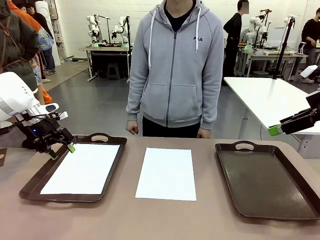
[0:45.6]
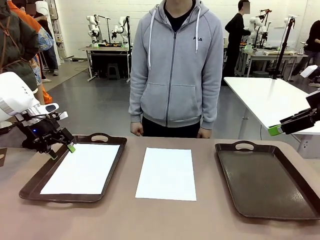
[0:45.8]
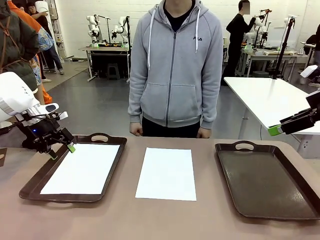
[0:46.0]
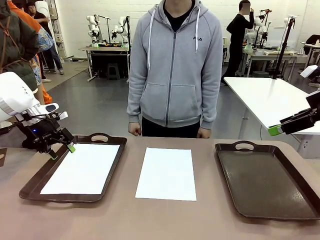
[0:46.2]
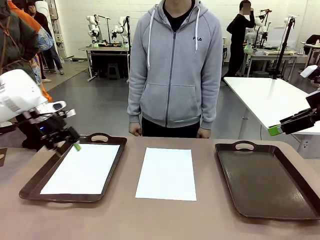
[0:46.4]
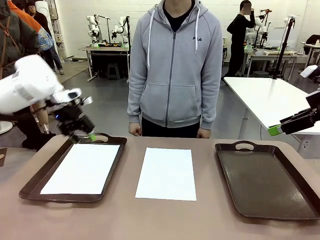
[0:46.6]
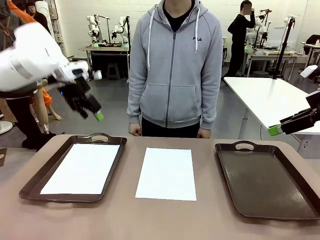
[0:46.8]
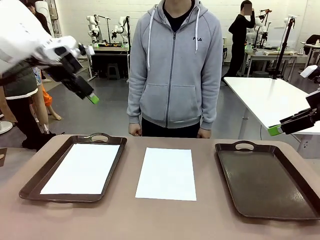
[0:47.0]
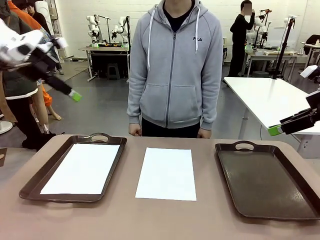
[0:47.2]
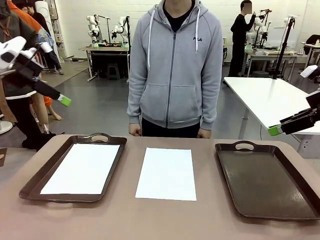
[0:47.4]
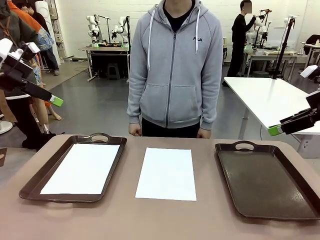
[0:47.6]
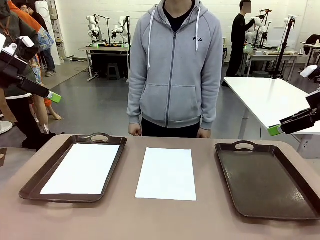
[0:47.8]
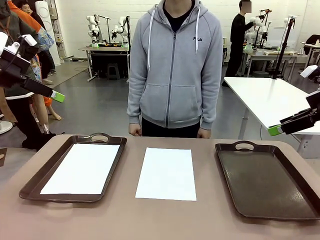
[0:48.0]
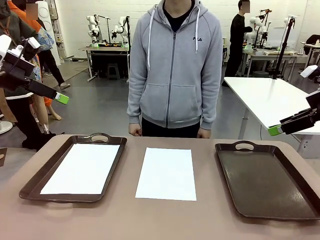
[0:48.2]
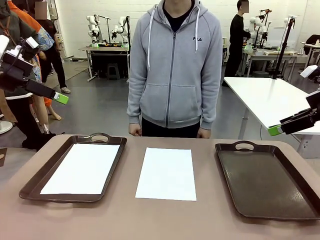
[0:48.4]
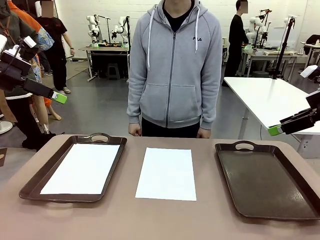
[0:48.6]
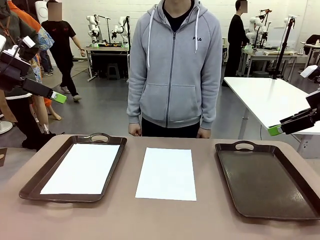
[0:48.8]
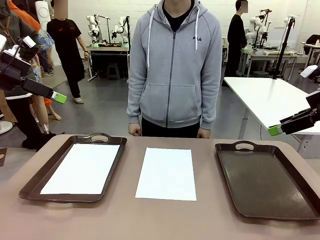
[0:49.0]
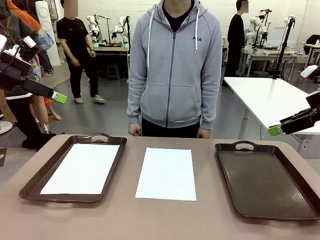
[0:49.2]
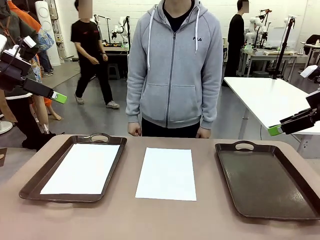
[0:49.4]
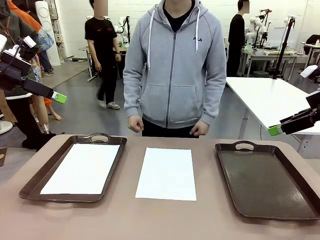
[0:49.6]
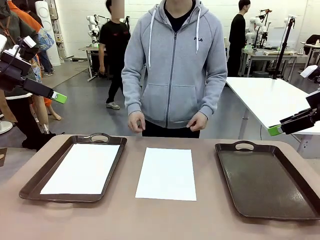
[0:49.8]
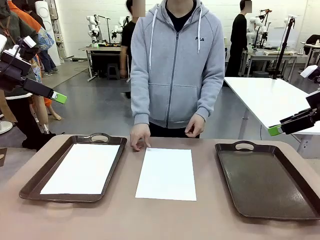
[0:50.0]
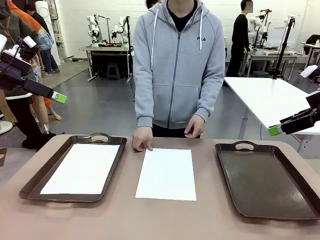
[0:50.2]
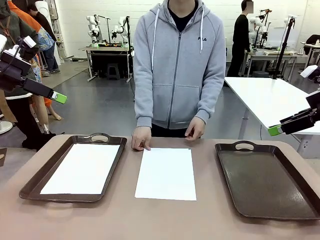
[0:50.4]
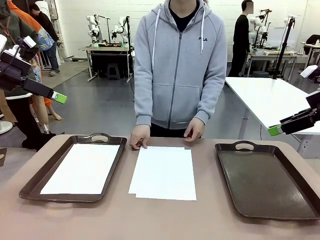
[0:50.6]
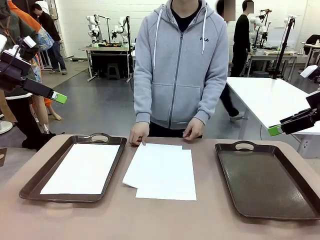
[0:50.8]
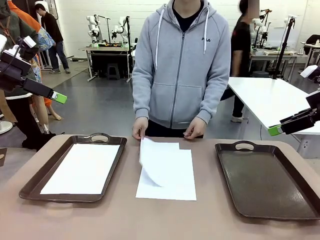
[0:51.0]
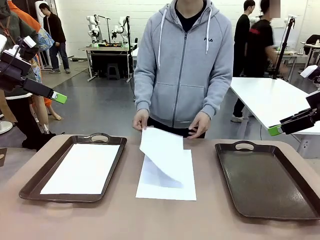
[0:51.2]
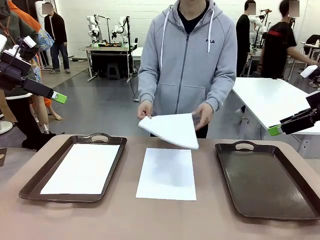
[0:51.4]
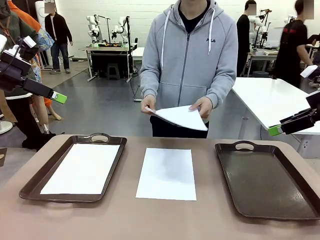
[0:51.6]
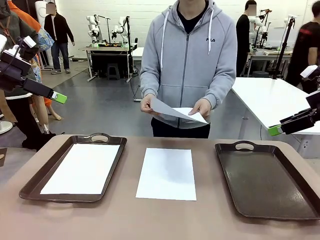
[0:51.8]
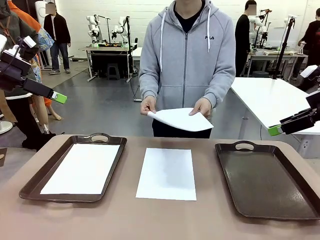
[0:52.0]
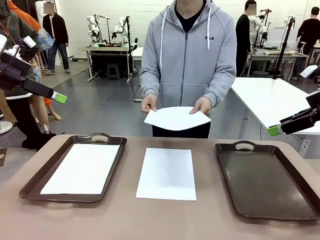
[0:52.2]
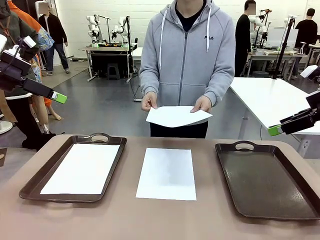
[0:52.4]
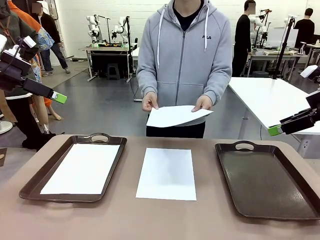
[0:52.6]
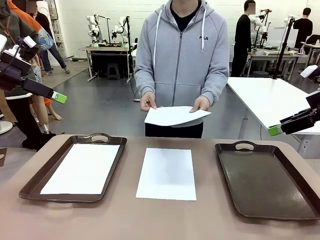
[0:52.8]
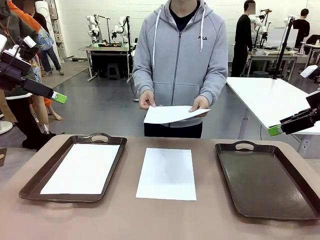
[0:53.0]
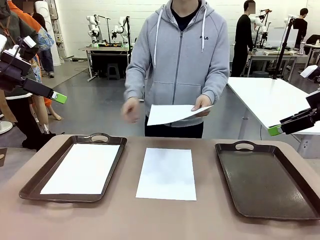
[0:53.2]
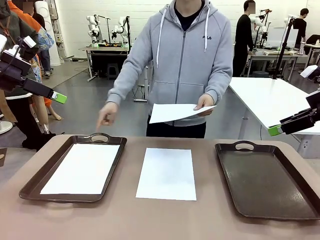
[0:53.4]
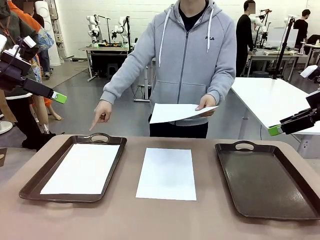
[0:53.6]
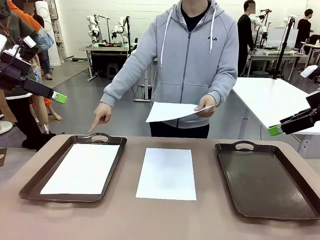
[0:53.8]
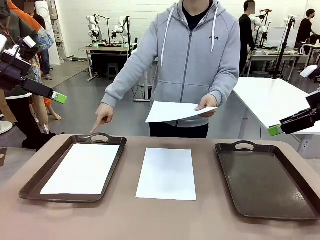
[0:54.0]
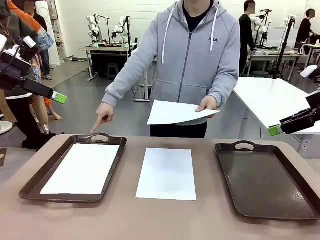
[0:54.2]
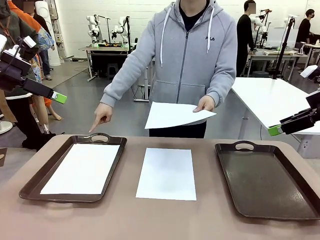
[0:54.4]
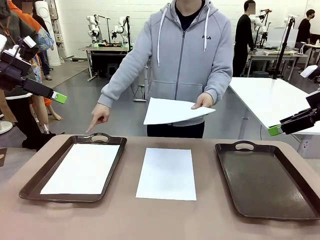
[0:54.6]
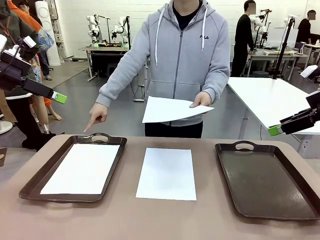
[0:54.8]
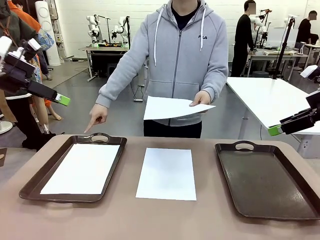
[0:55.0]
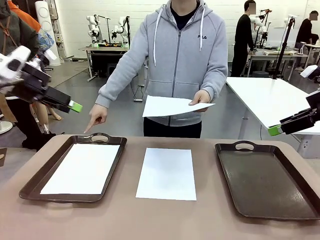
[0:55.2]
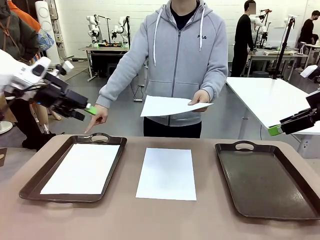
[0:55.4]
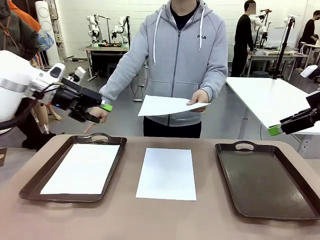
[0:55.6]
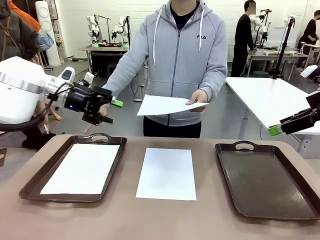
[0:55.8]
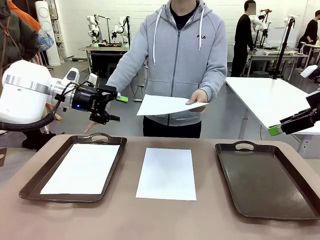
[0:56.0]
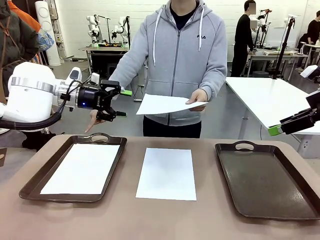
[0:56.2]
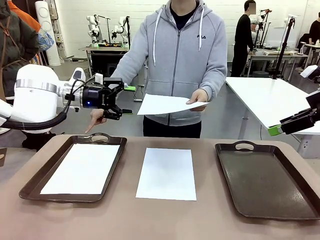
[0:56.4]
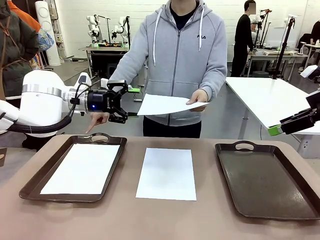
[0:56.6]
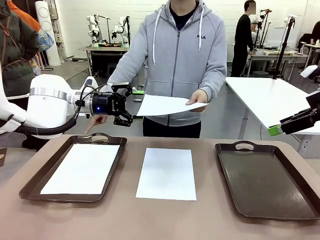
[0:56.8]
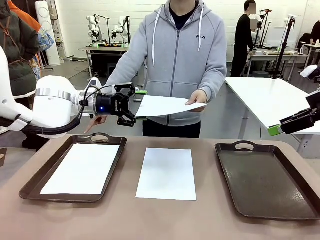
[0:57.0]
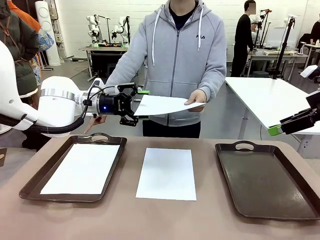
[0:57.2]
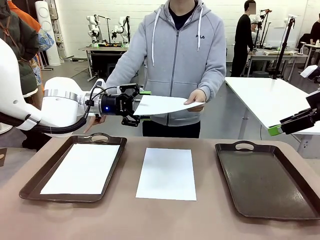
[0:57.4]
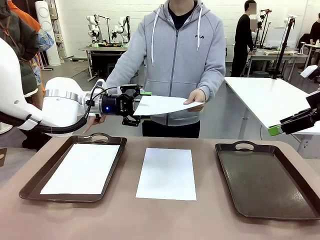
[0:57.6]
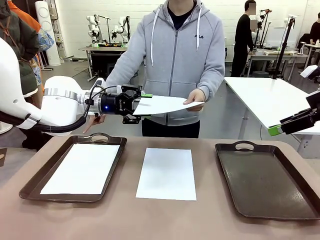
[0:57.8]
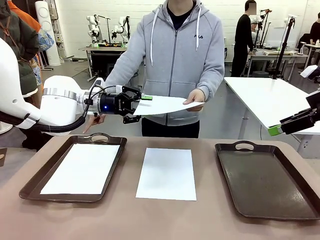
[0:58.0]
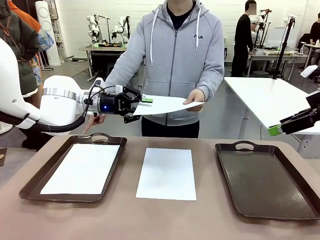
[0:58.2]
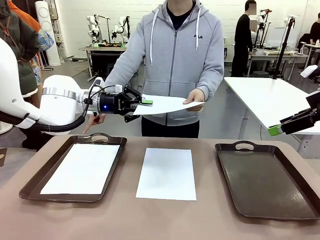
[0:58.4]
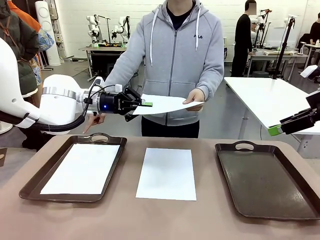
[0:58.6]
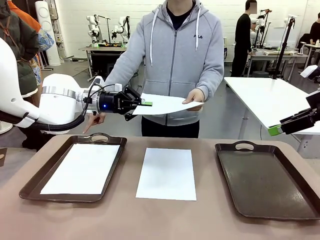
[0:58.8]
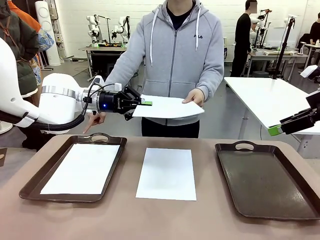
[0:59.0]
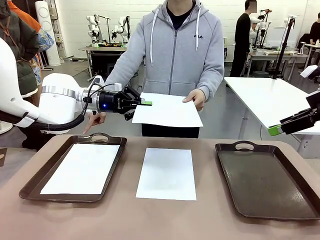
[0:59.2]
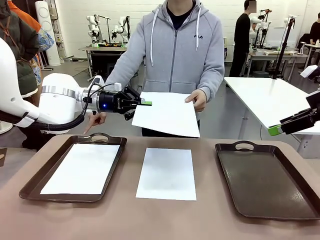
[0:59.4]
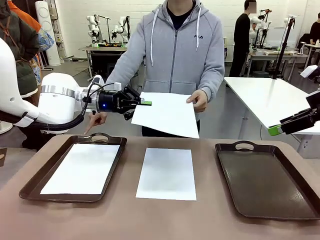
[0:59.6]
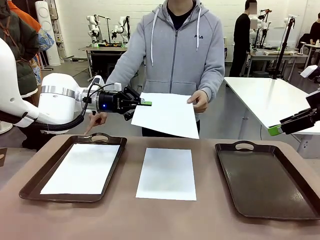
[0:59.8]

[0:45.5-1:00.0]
Task: Sort the A4 documents.
Robot: Receive the A4 Paper.
Person: Point the randomly selected tray with the other hand.

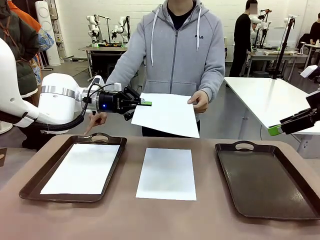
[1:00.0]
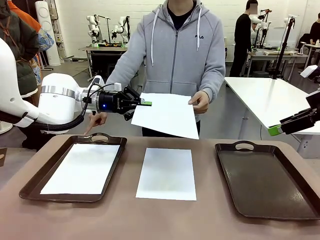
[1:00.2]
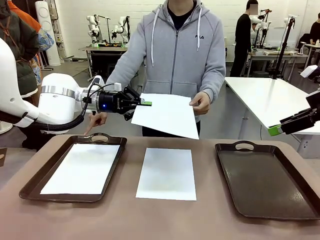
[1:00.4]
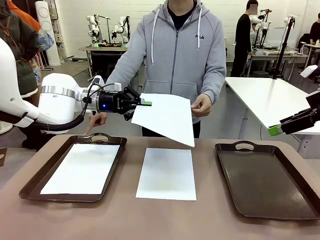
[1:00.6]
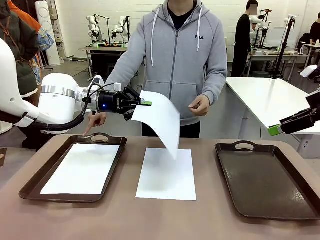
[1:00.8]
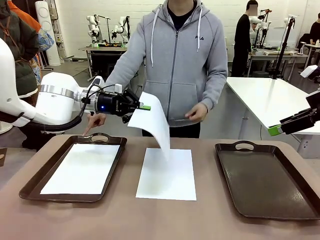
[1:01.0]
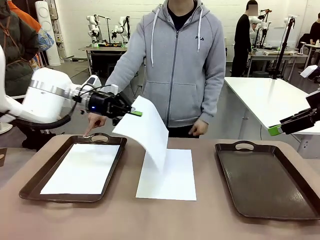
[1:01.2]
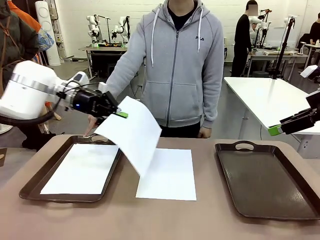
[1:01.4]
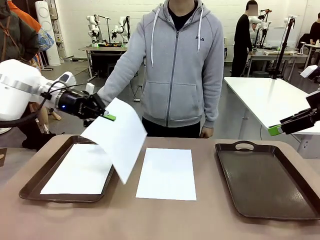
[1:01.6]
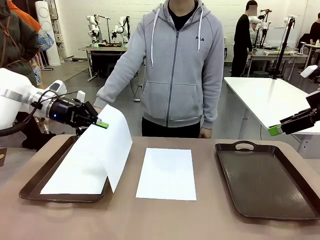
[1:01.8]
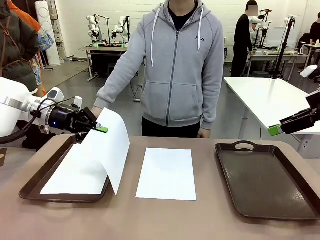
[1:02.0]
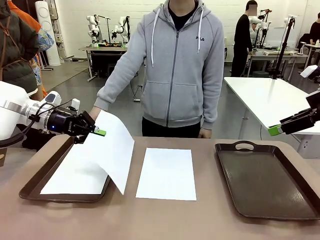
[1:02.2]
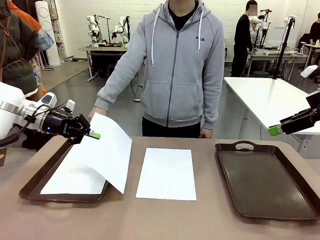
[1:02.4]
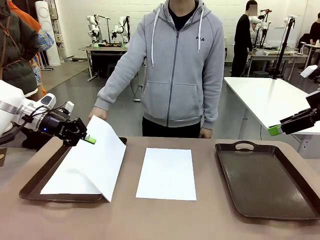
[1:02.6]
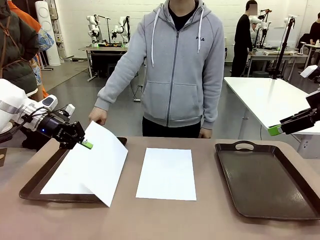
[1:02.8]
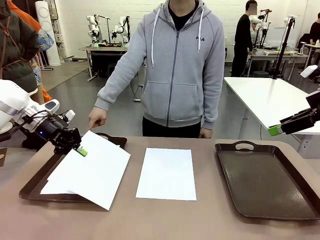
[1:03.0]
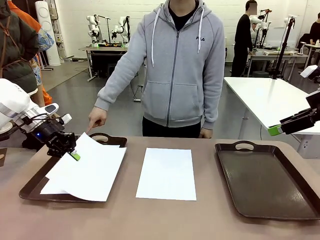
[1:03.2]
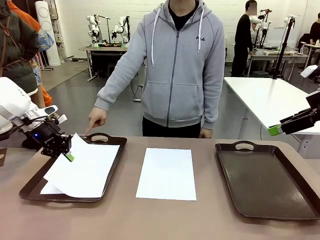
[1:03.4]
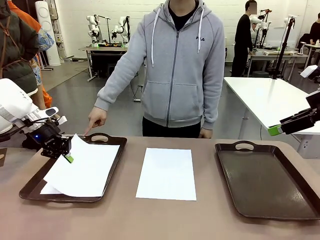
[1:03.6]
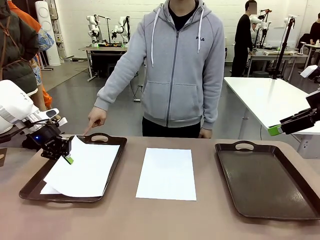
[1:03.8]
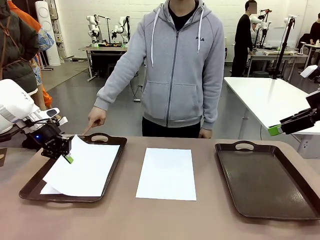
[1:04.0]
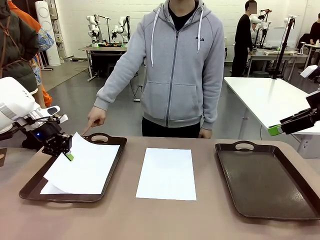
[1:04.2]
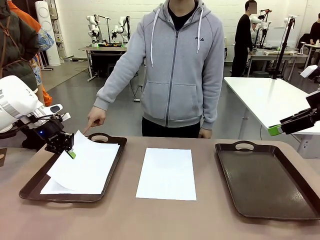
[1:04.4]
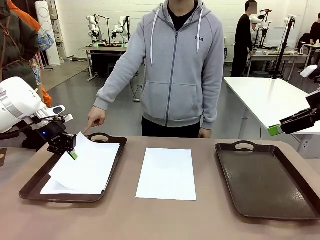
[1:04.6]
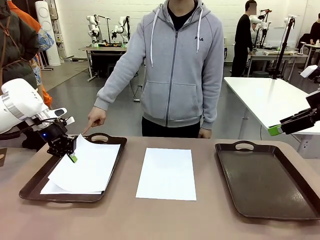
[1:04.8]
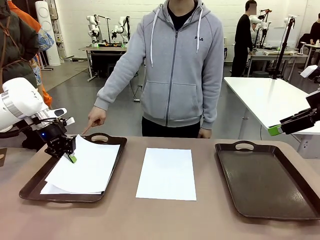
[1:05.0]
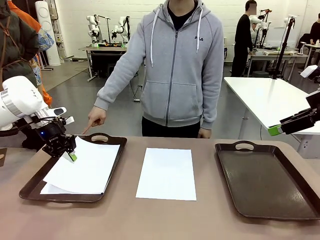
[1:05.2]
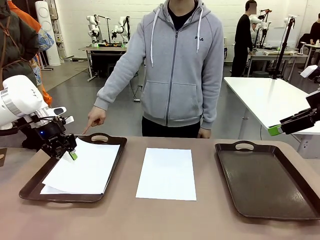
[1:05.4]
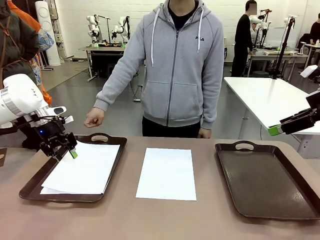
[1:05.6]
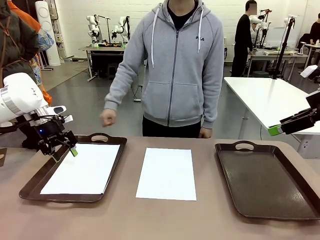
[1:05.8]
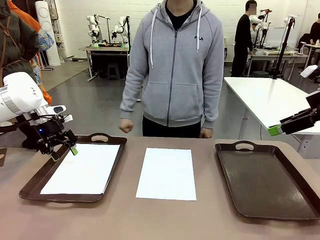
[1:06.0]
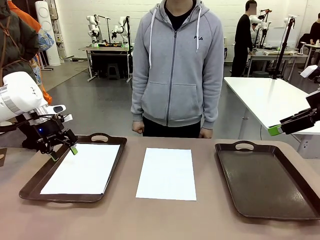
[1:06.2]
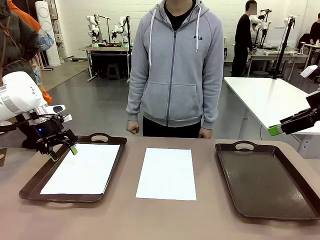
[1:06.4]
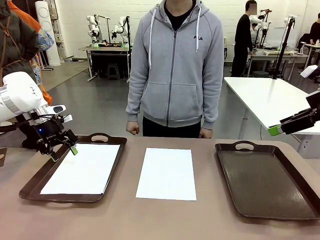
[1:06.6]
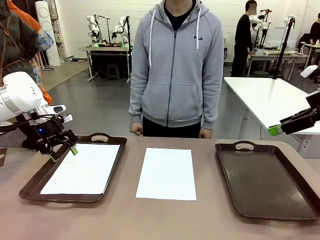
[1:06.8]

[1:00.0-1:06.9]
Robot: Place the A4 Paper in the designated Handle tray.
